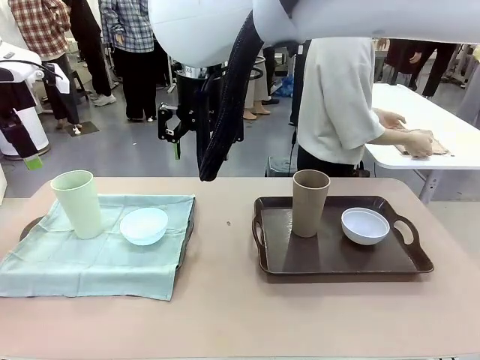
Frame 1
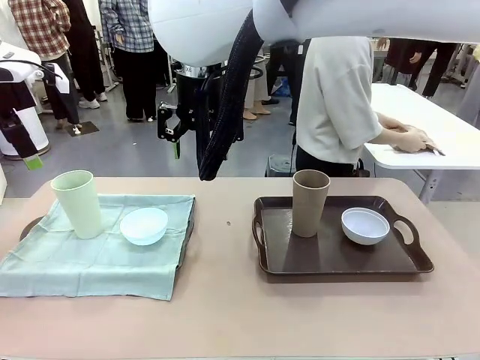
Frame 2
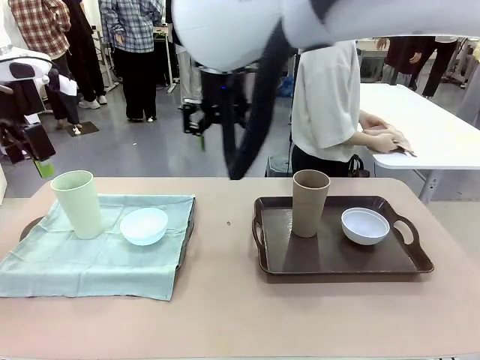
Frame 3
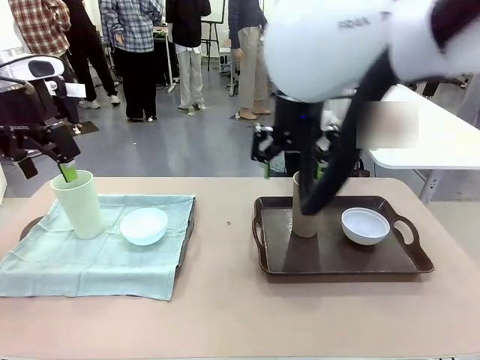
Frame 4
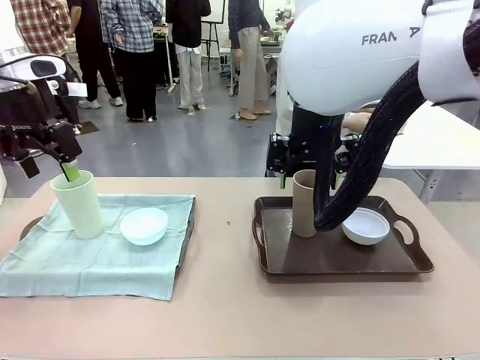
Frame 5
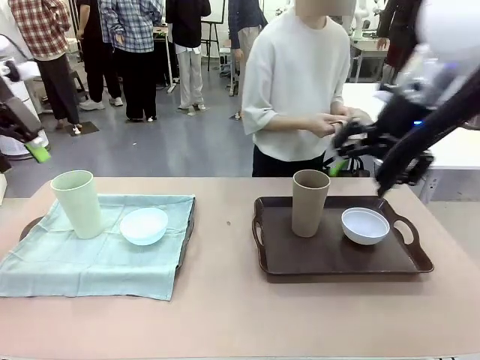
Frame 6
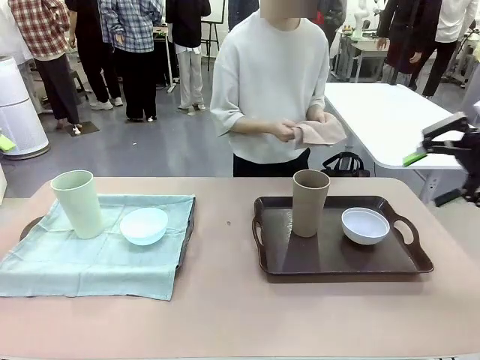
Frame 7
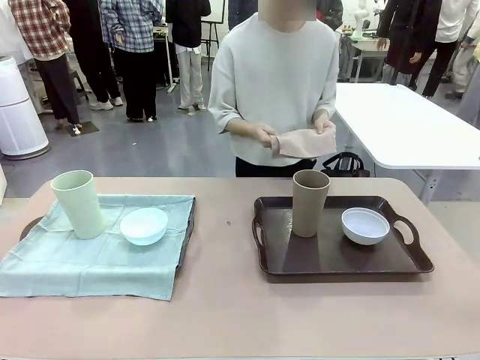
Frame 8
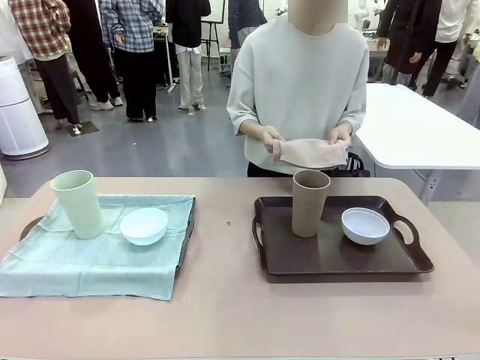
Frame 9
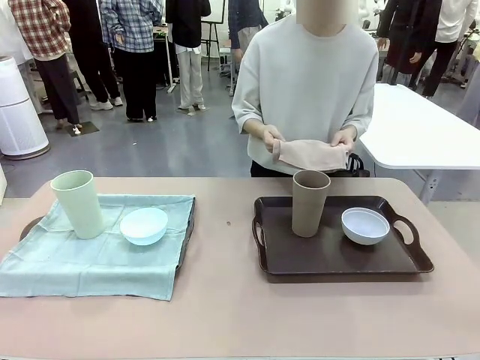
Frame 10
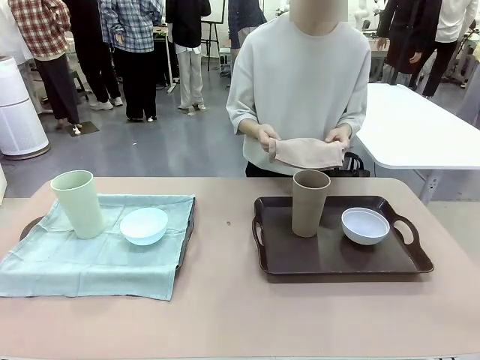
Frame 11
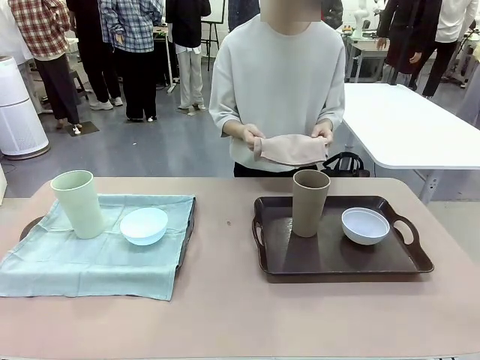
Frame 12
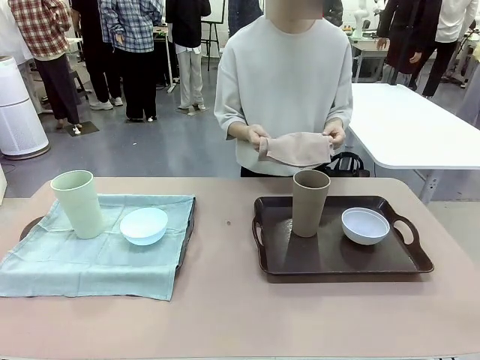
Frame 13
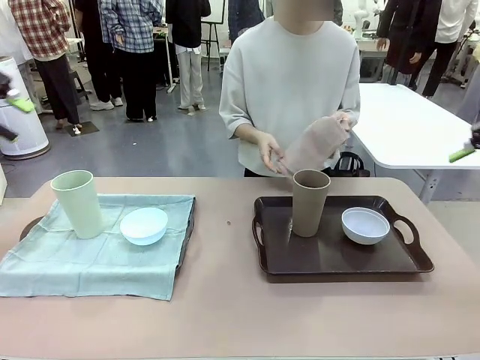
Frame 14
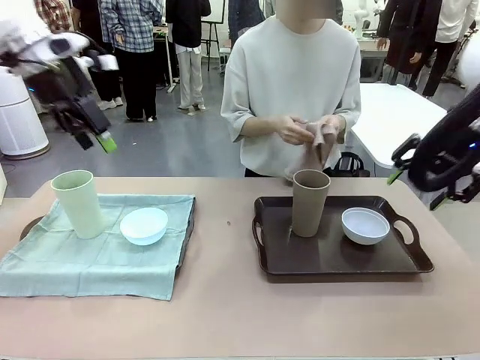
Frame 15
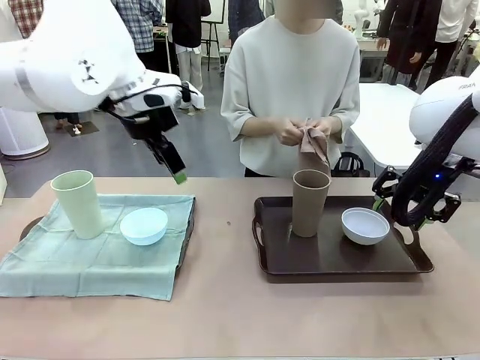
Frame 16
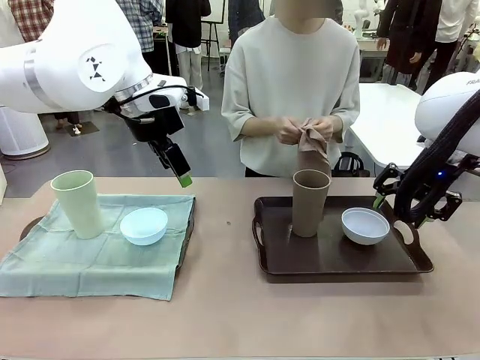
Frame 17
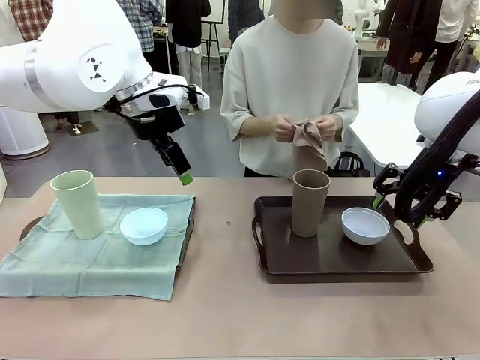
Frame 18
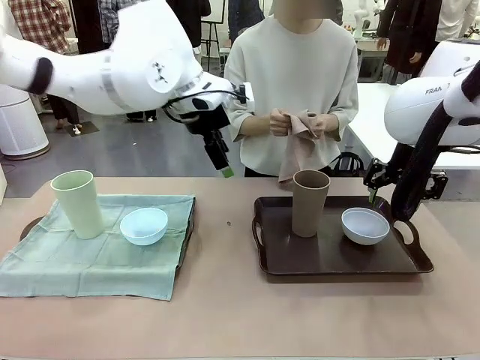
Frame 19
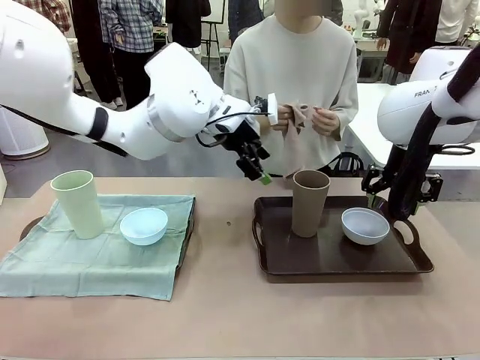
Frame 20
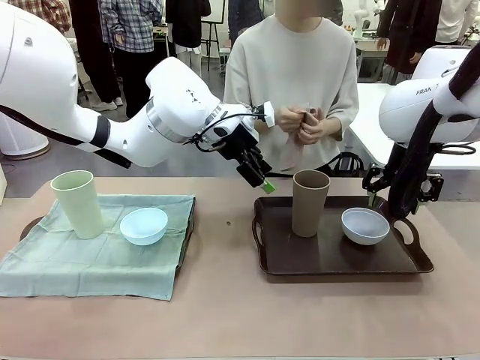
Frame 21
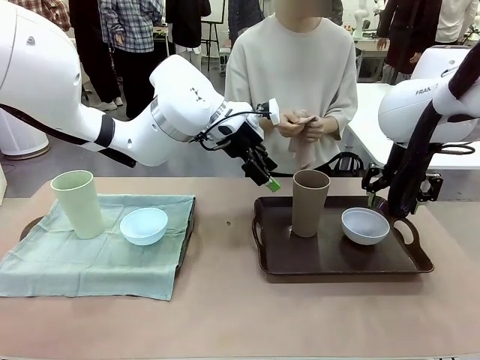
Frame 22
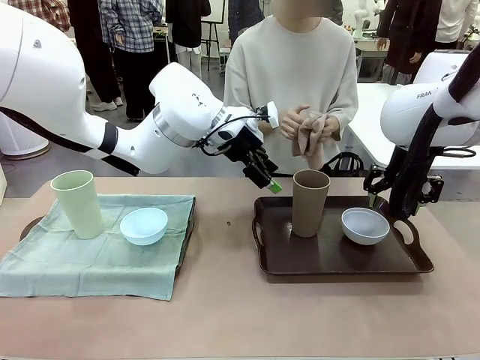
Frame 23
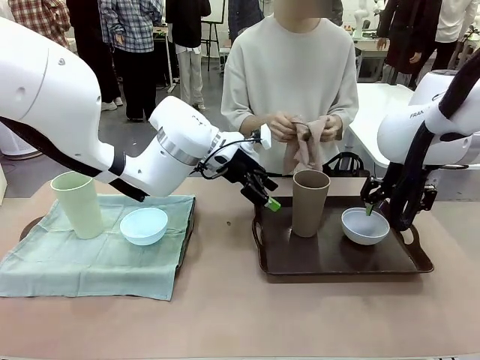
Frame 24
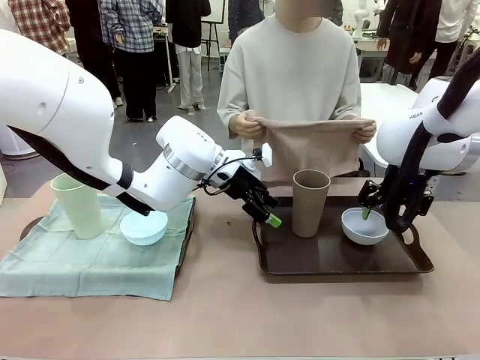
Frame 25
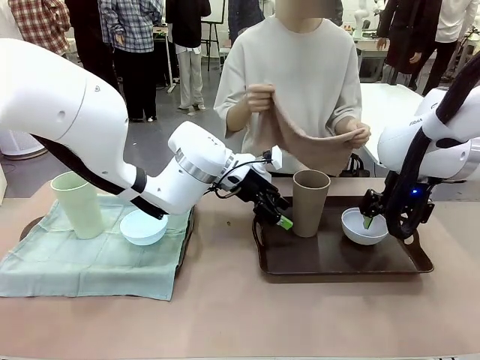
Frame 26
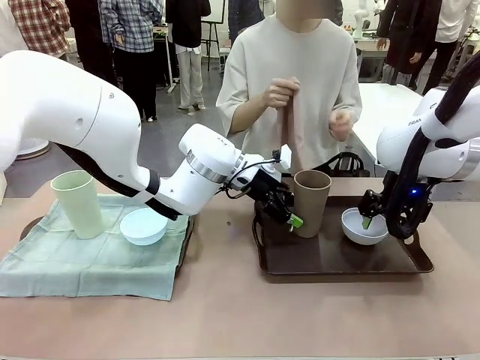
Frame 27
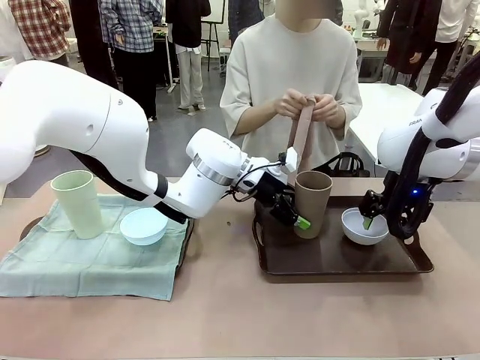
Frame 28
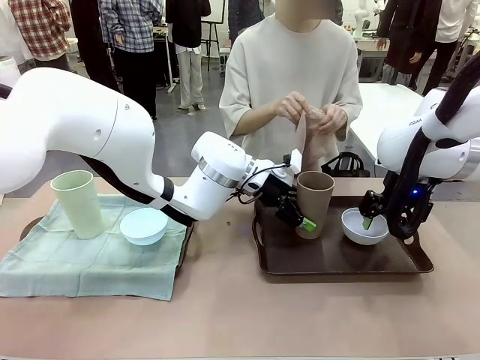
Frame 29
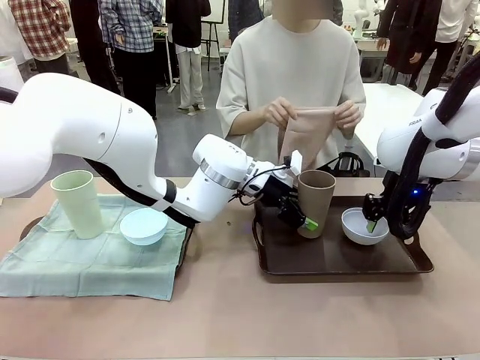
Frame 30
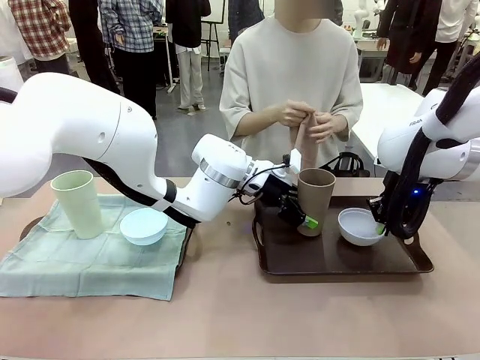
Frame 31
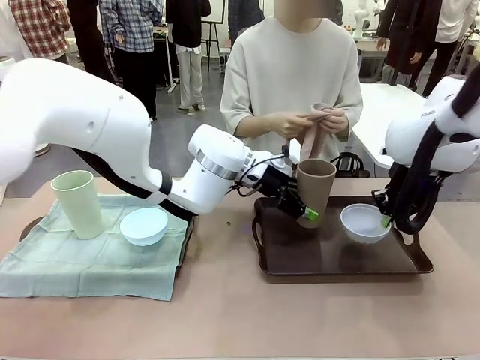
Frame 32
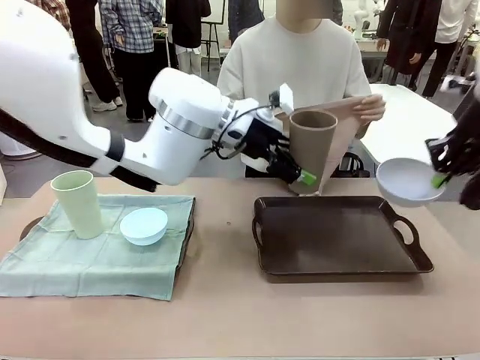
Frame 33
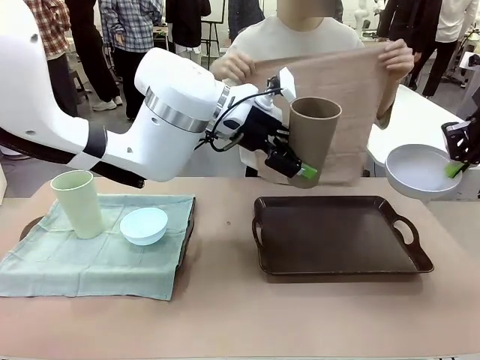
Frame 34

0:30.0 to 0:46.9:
Robot: Pick up the Picnic Bowl and Reusable plastic cup from the Handle tray in front of the human's position and hold them in the air.
